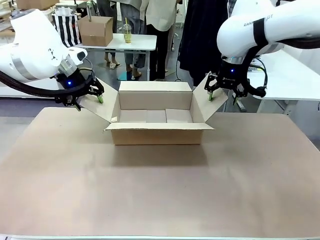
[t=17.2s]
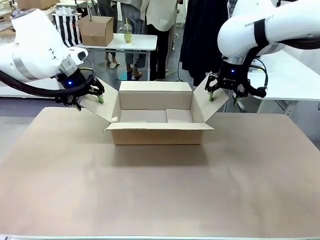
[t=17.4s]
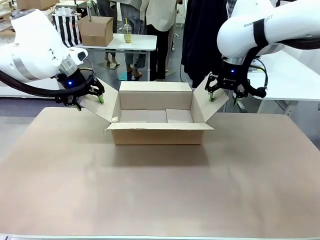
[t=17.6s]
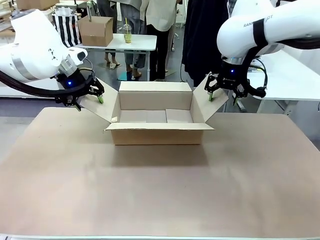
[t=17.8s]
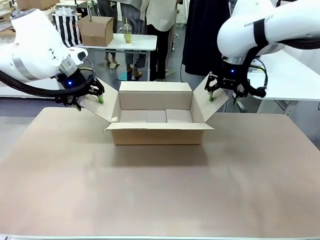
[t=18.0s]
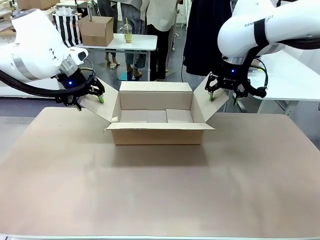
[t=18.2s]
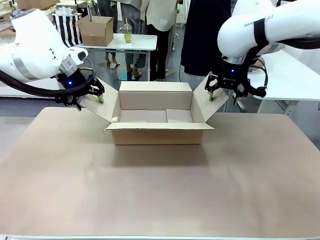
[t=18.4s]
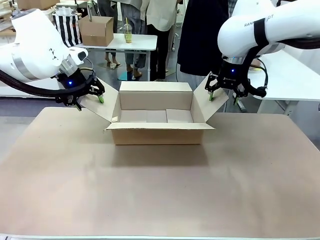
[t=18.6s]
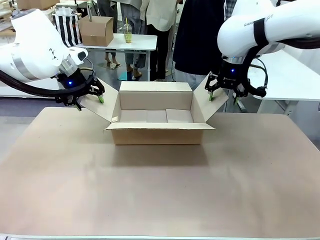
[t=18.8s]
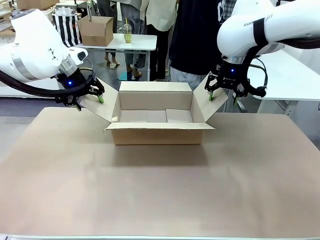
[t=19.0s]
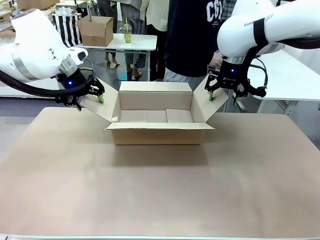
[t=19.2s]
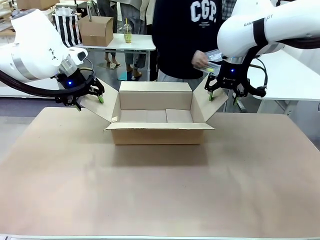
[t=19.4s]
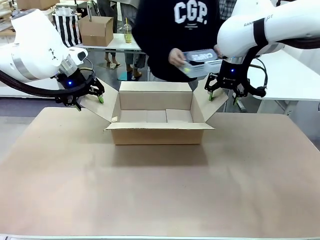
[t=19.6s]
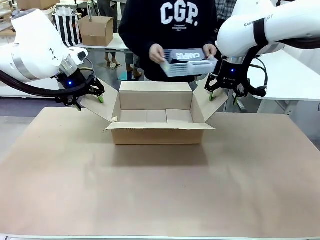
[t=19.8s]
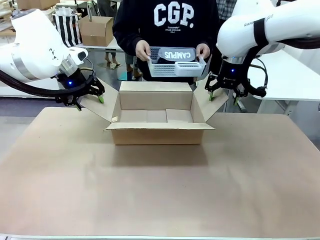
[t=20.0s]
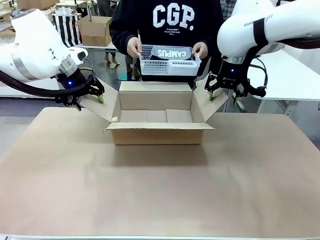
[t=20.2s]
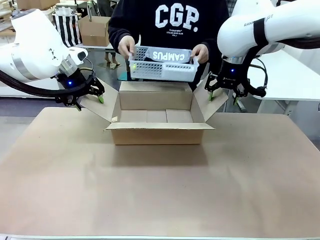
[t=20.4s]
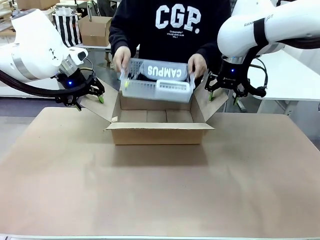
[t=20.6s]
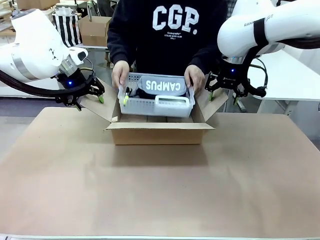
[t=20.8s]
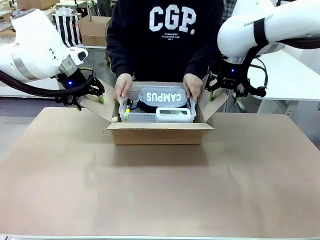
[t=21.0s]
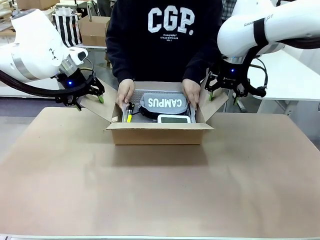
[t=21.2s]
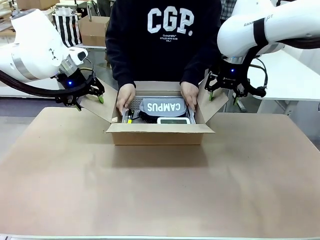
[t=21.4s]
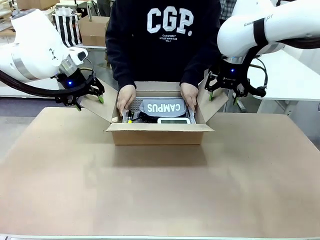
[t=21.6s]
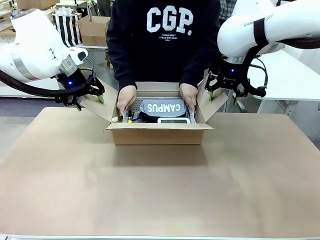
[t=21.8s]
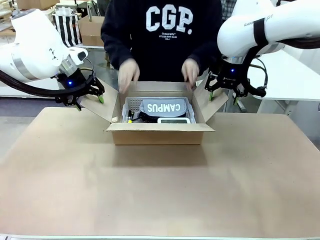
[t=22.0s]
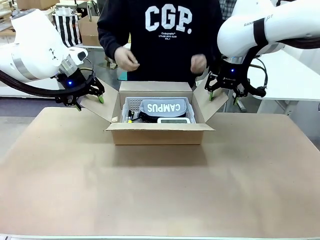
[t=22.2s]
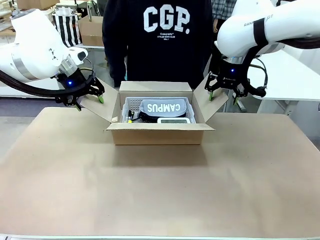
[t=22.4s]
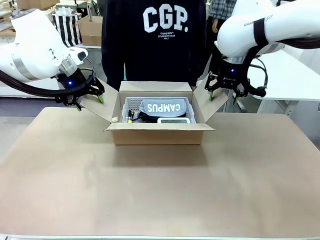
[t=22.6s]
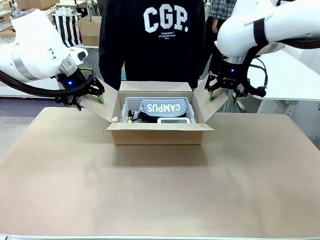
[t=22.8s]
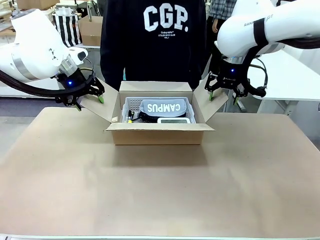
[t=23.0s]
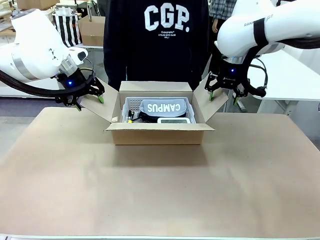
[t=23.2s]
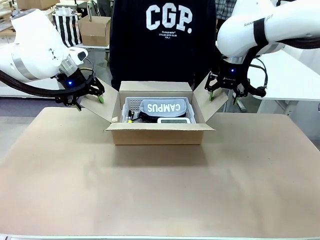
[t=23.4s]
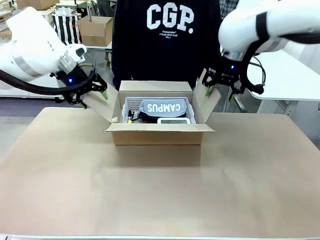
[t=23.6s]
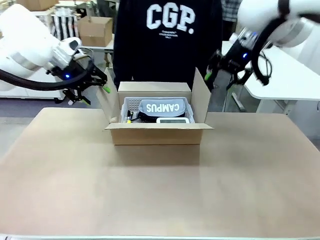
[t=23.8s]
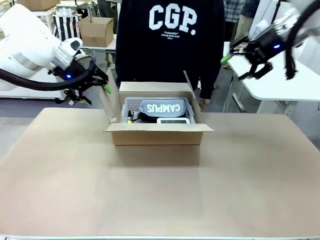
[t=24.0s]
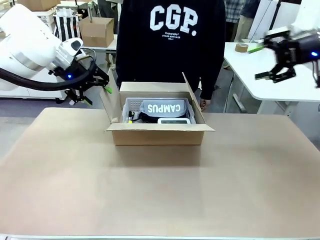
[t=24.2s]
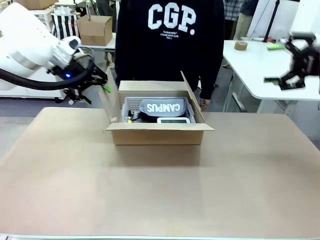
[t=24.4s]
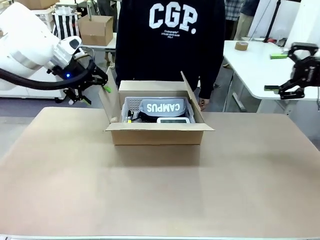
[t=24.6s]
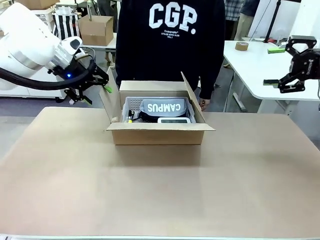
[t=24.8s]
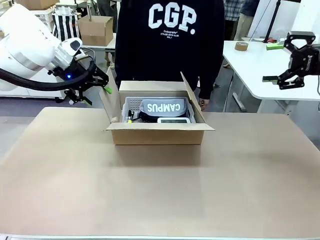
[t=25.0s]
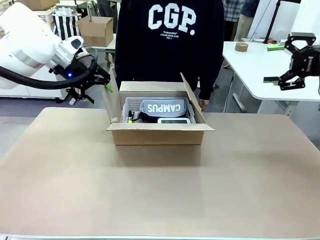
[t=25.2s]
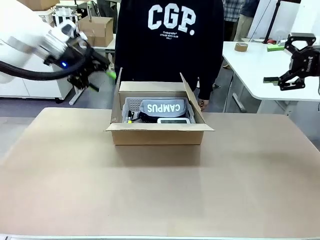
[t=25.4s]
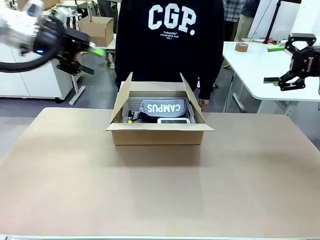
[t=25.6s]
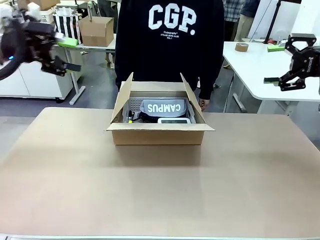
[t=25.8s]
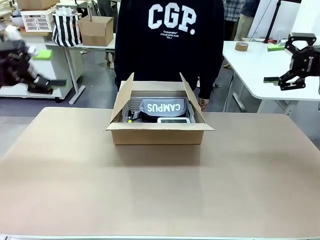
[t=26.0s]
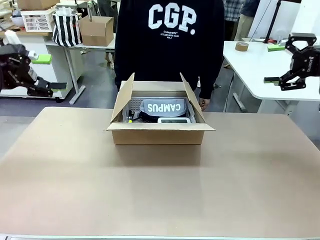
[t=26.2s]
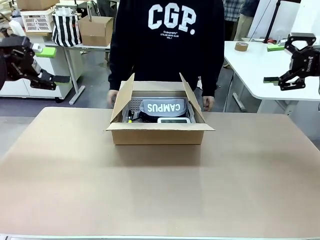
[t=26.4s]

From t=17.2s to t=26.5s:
Task: Pack the gift set into the box.
Robot: Lift both hands away from the flaps of the Package Box.
Person: The human picks up the organizing basket and places the organizing basket into the package box on the robot table.

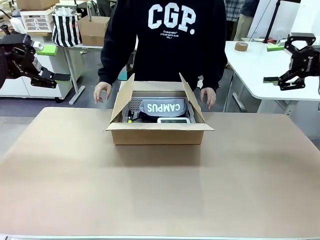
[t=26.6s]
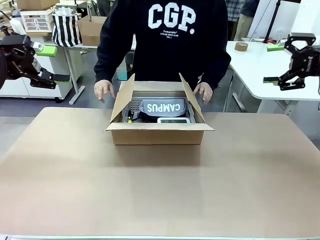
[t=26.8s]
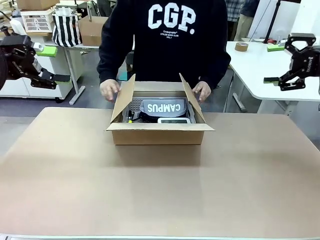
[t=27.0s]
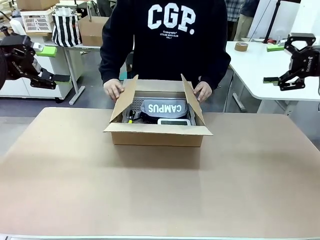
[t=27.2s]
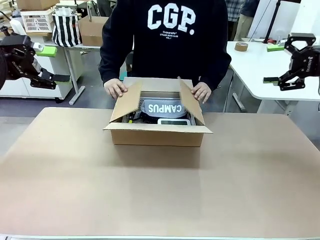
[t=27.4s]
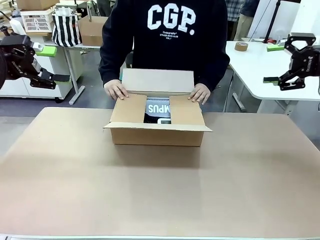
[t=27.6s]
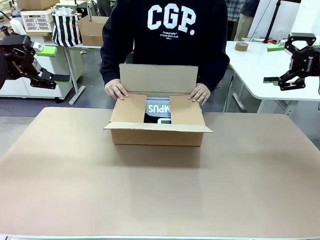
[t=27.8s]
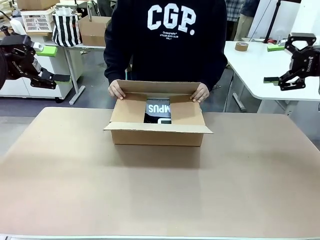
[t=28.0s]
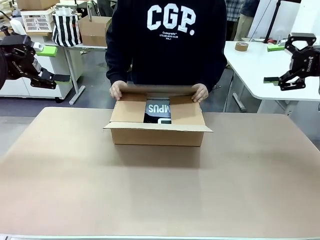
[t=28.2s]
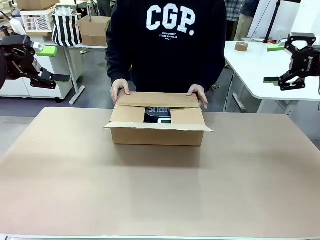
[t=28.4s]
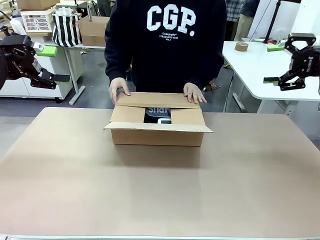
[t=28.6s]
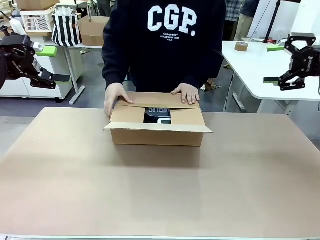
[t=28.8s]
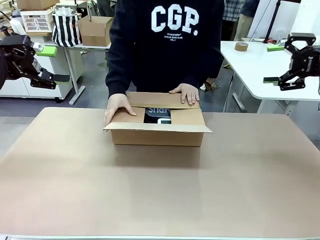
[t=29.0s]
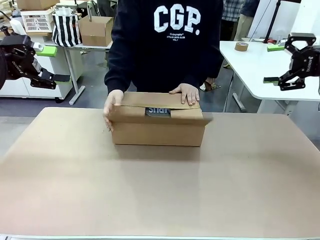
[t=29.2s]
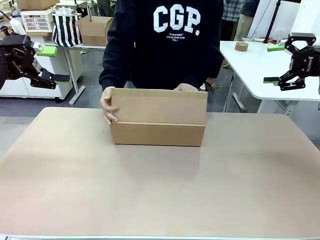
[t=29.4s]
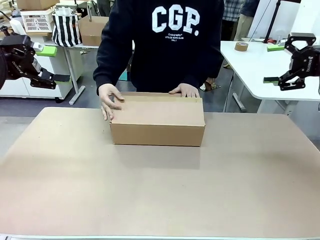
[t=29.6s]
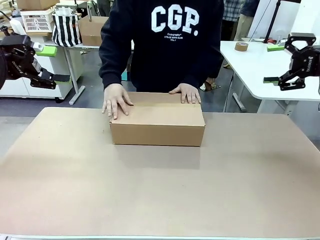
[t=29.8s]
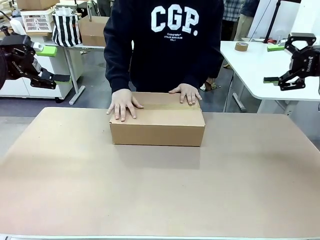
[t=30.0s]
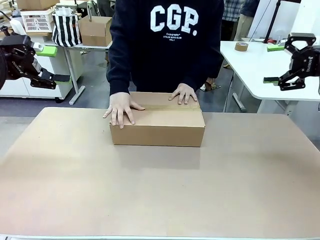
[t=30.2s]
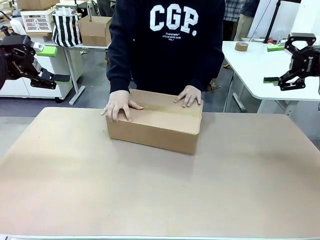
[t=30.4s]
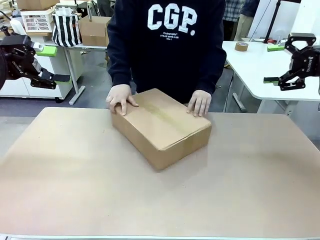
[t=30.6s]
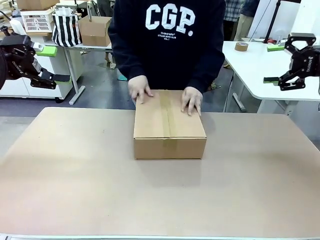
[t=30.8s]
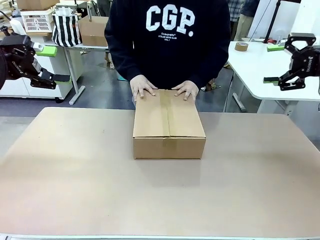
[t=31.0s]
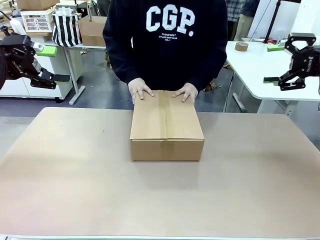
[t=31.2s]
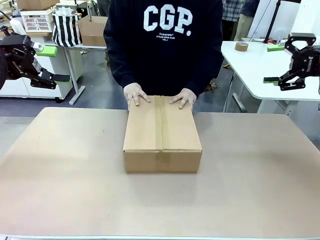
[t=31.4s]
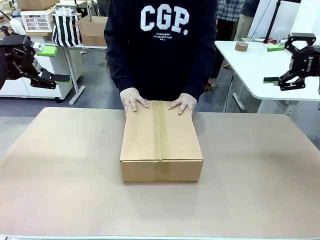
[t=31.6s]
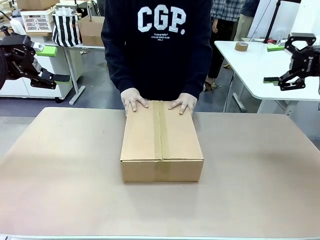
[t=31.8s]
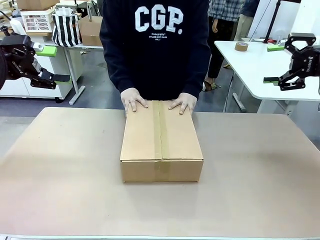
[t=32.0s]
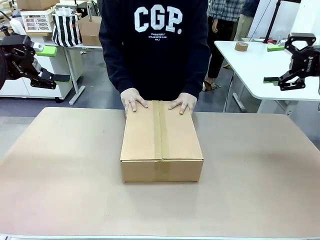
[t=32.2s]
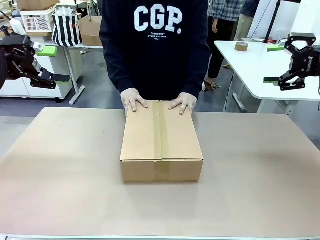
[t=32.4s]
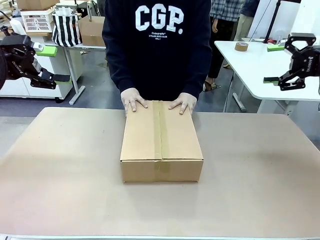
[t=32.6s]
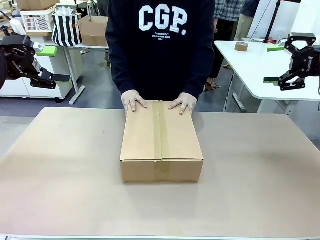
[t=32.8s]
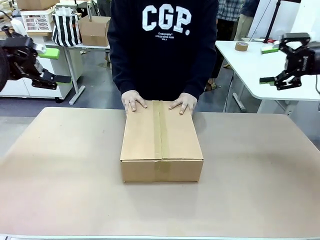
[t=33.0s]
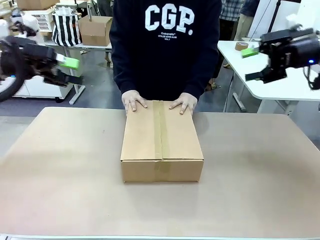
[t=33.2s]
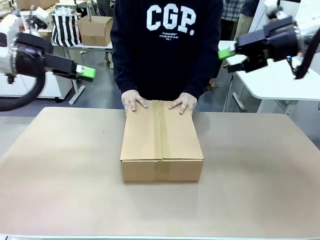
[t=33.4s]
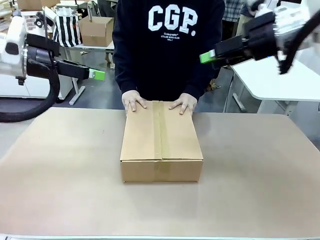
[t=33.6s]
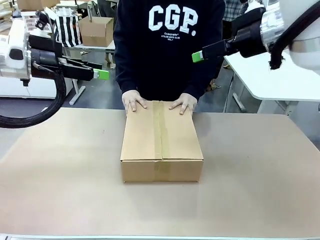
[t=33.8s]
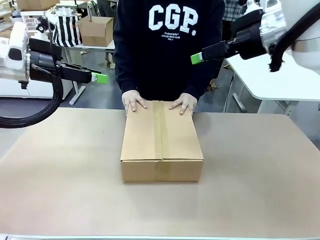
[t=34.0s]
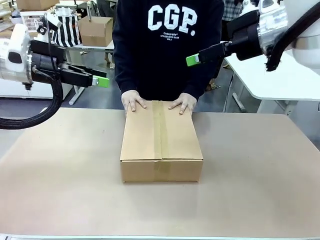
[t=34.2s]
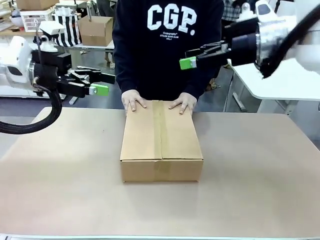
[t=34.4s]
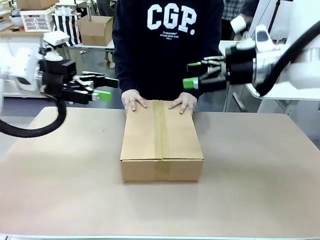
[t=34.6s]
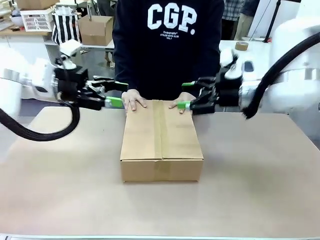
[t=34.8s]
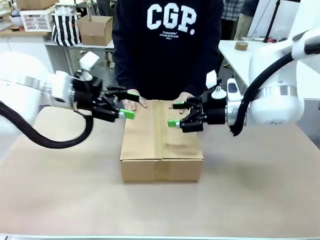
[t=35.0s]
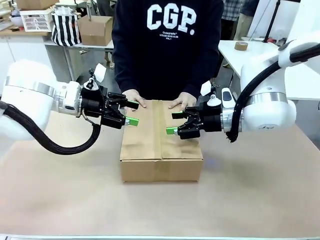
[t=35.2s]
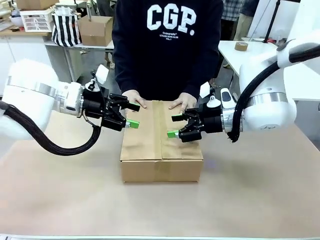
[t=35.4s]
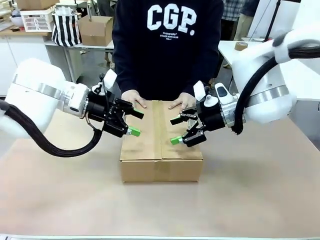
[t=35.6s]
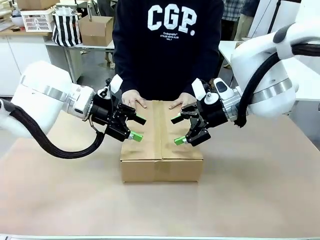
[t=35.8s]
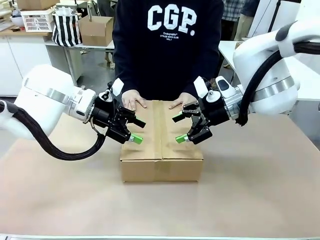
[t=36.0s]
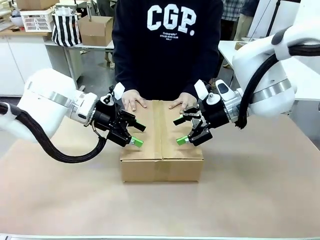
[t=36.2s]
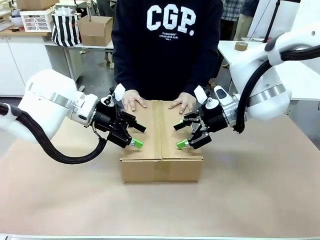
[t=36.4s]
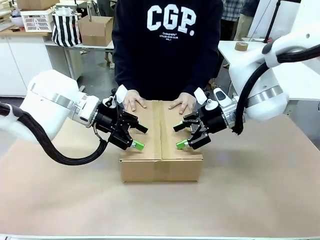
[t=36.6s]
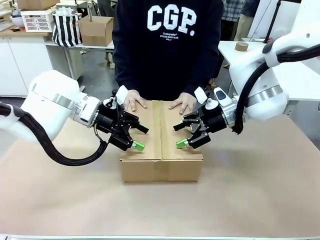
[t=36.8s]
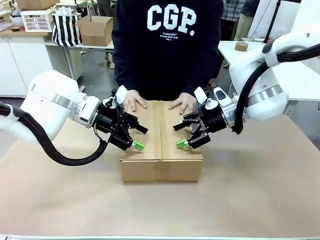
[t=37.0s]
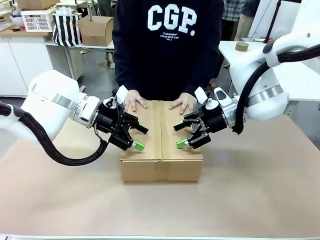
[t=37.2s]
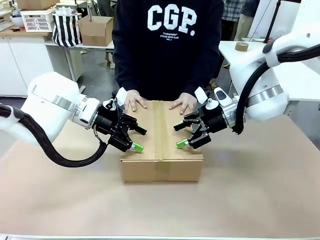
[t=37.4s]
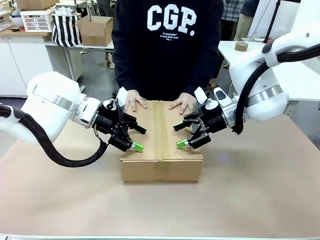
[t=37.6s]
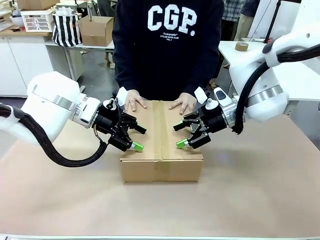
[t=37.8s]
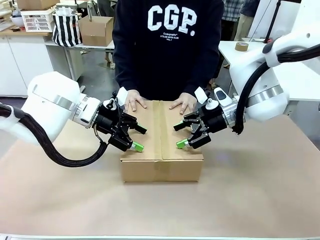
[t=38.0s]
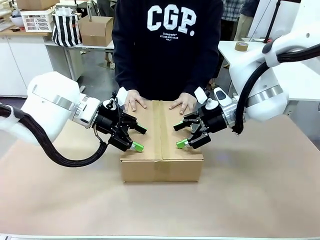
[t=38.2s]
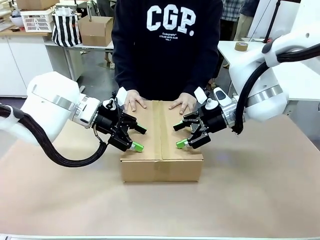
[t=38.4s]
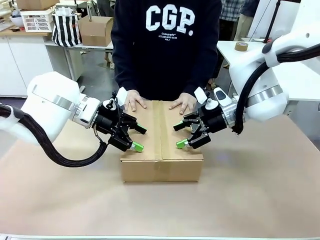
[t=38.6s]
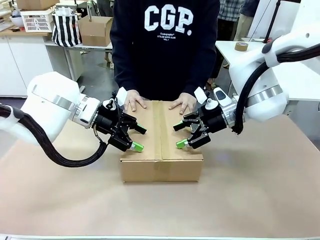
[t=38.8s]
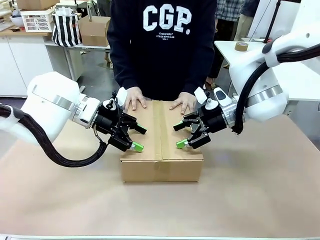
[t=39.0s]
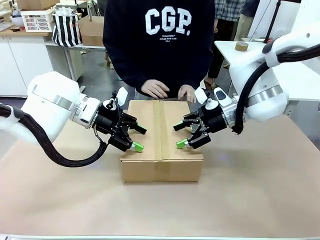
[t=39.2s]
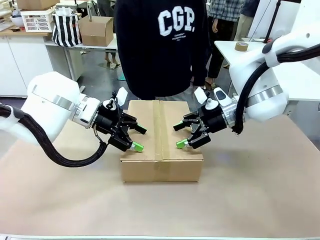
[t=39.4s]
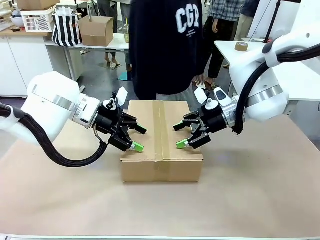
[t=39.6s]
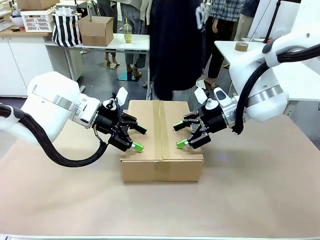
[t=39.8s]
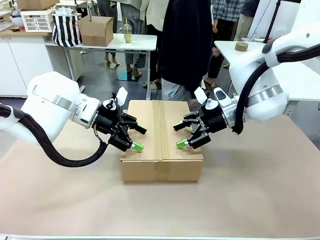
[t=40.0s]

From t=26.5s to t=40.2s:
Robot: Press and hold the closed box until the human finishes sealing it.
Person: The human closes the box and rotates the box by 90 degrees.
